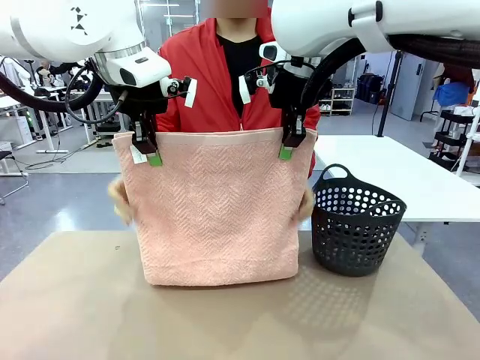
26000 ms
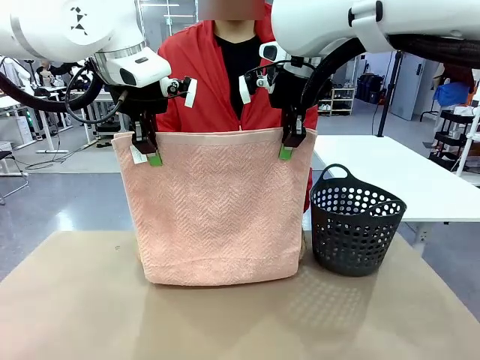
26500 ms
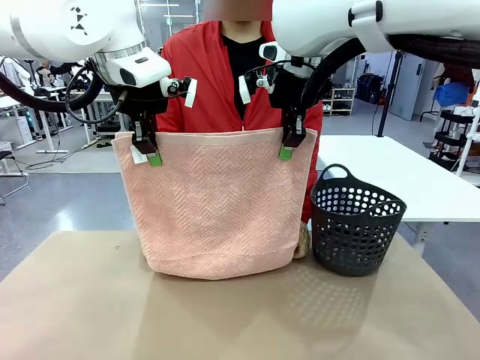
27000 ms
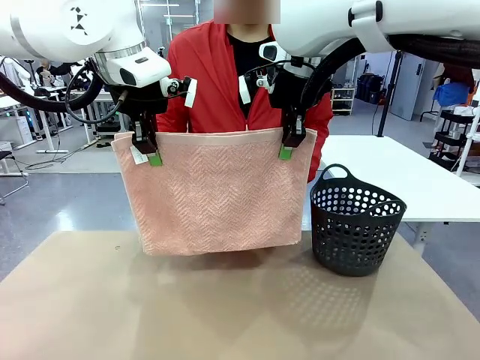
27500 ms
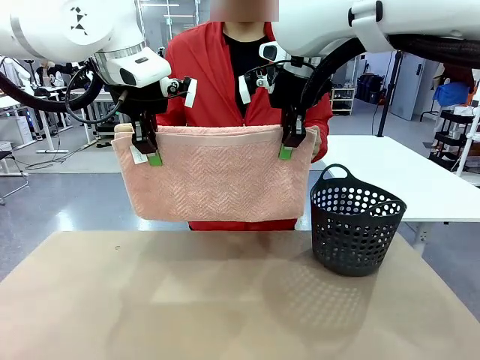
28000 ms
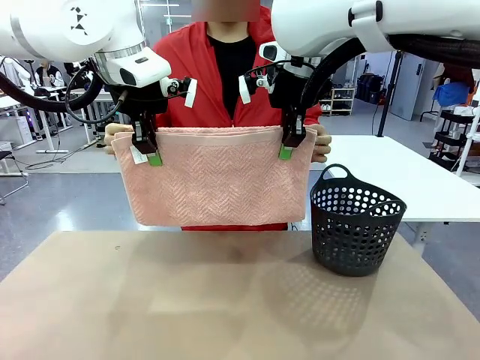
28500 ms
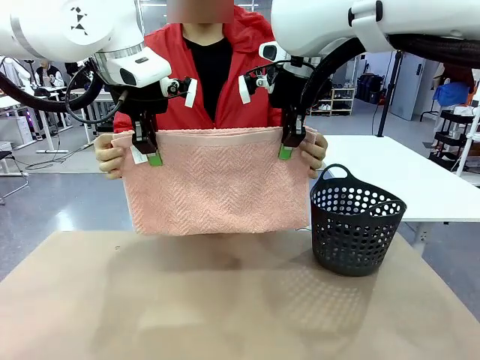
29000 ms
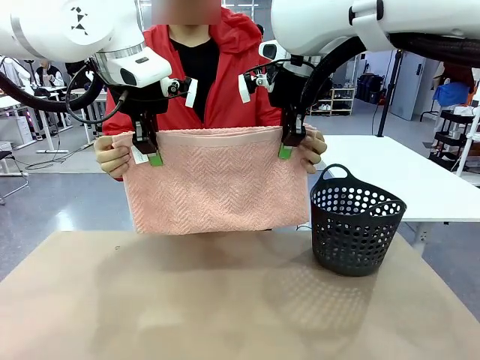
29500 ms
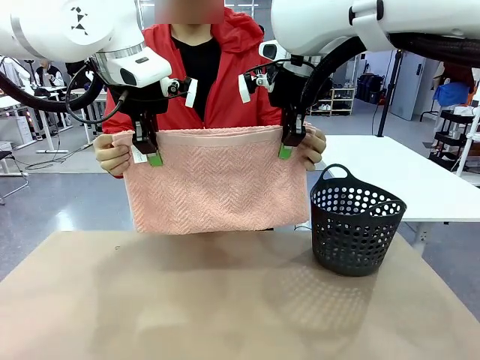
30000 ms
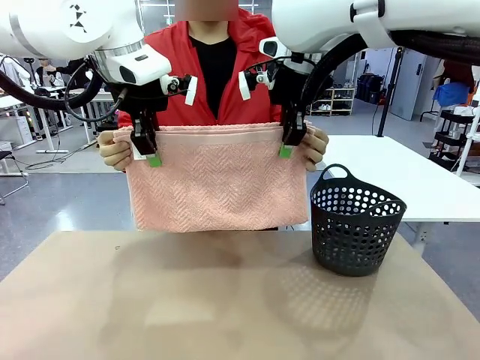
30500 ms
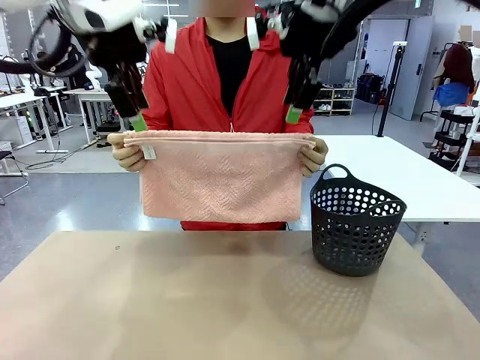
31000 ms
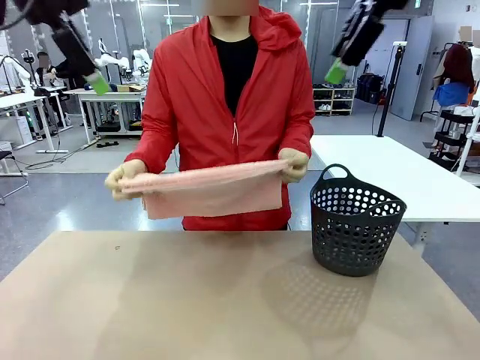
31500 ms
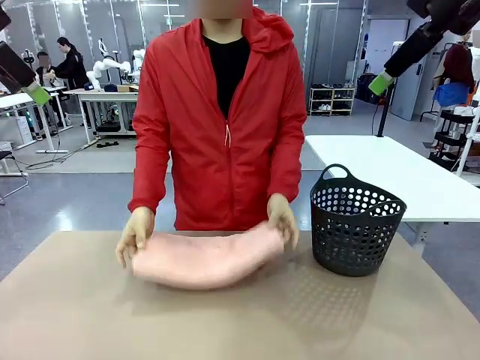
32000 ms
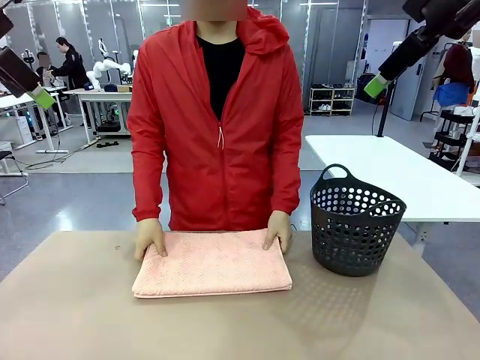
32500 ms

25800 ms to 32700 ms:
Task: Fold the towel.
Robot: Release the end of the 100 cm Hotel Towel you were holding.
Person: Place the towel at the center of the robot table and fold it in half.

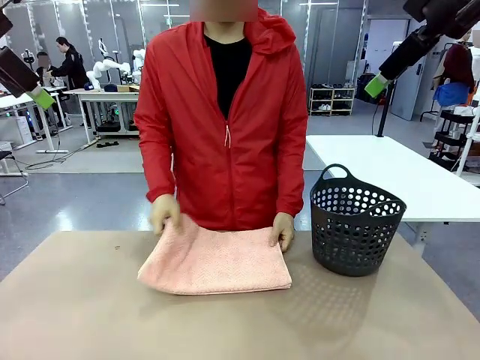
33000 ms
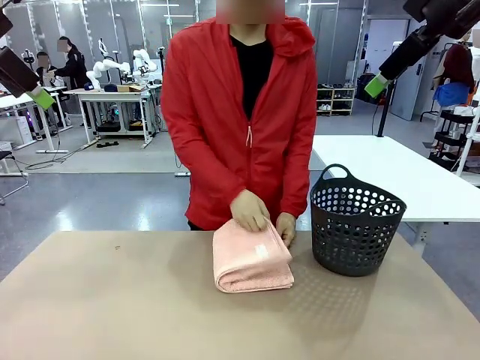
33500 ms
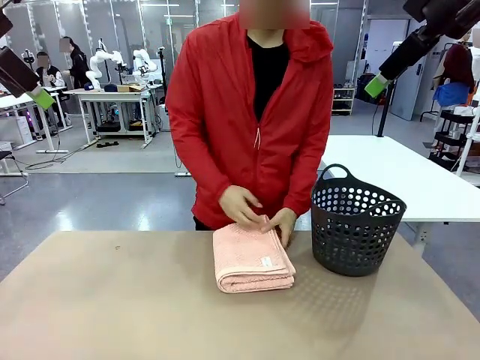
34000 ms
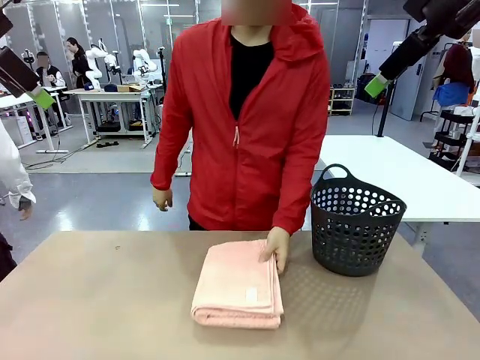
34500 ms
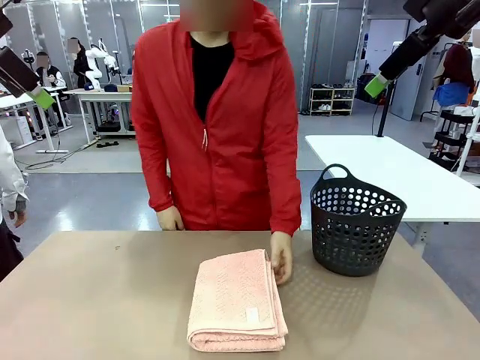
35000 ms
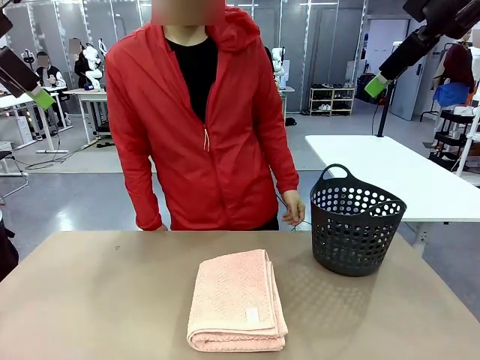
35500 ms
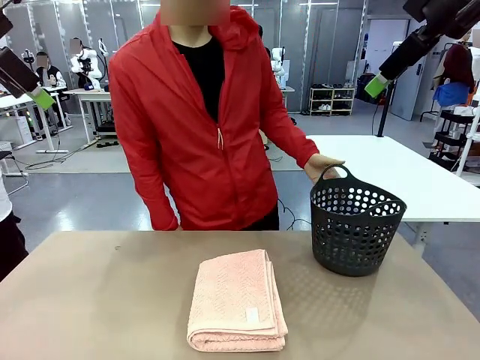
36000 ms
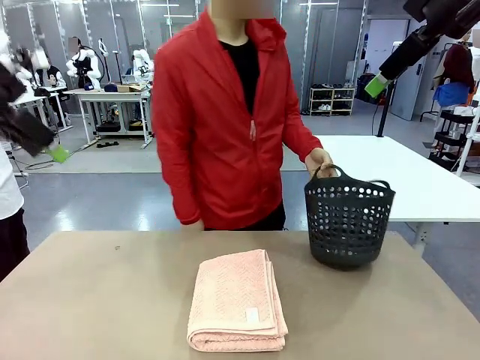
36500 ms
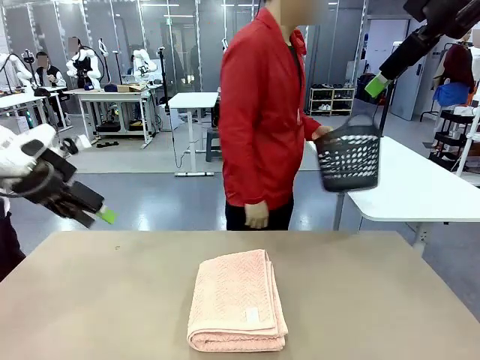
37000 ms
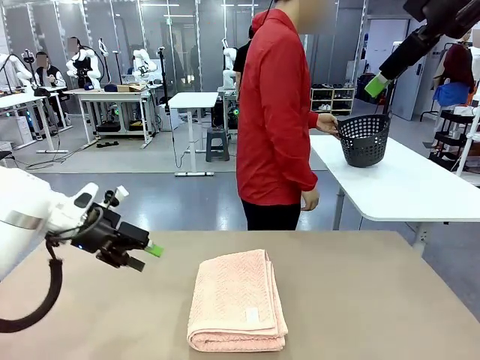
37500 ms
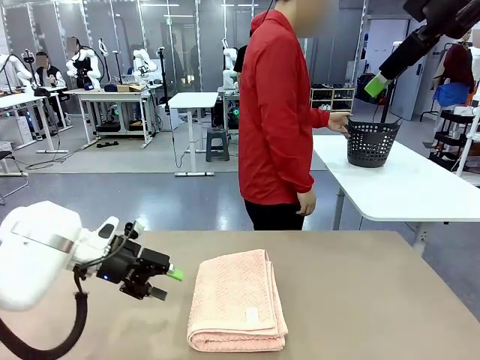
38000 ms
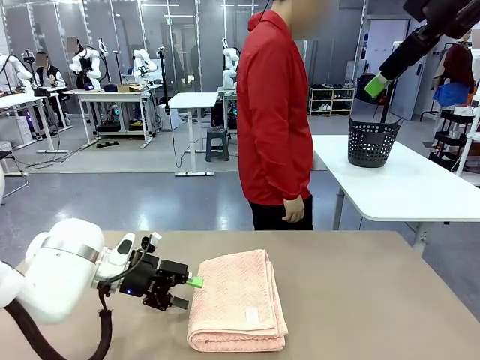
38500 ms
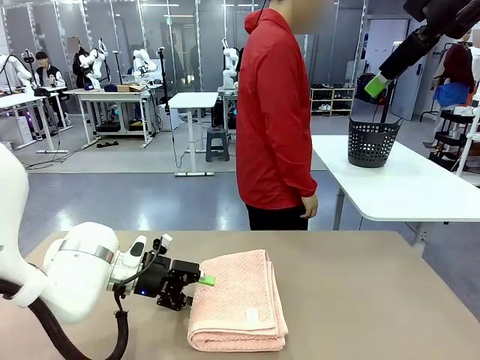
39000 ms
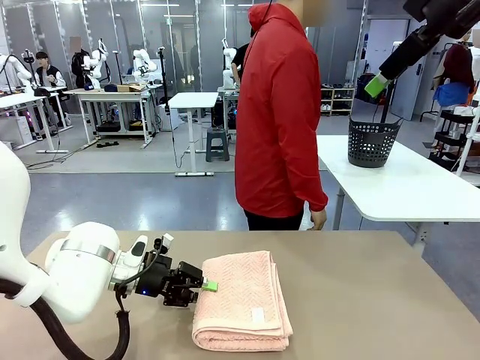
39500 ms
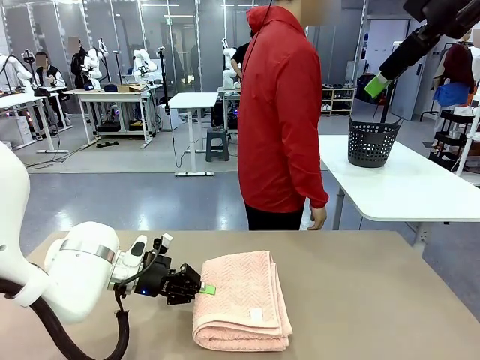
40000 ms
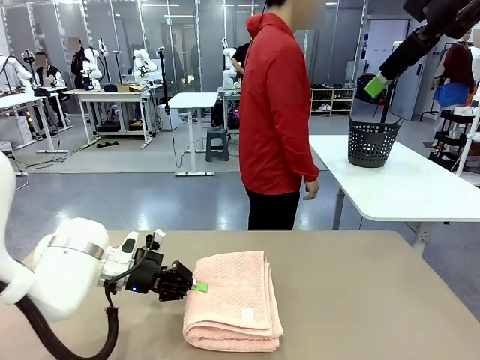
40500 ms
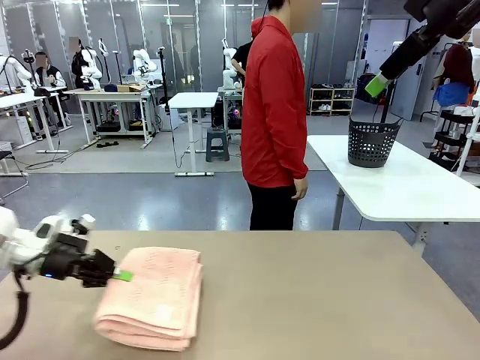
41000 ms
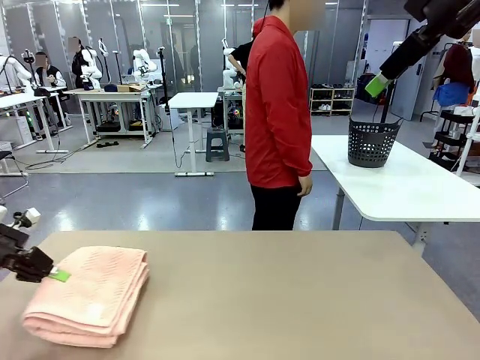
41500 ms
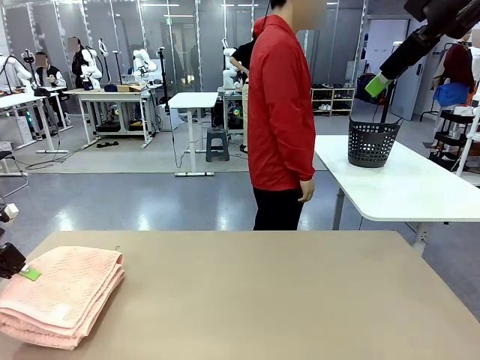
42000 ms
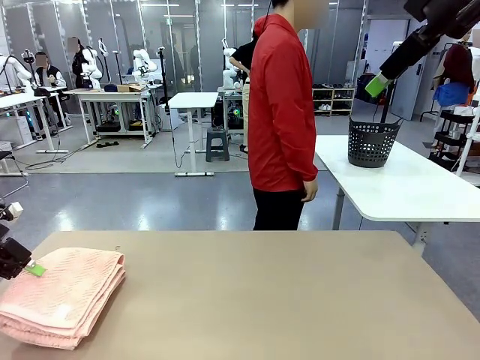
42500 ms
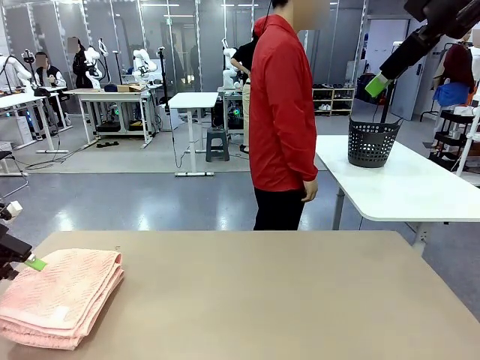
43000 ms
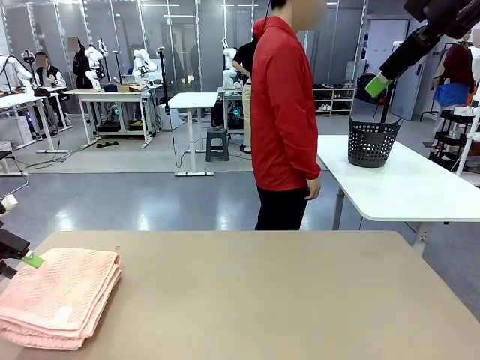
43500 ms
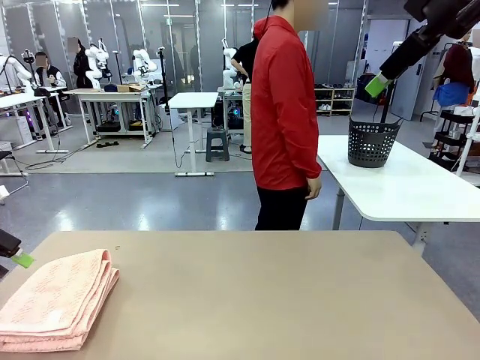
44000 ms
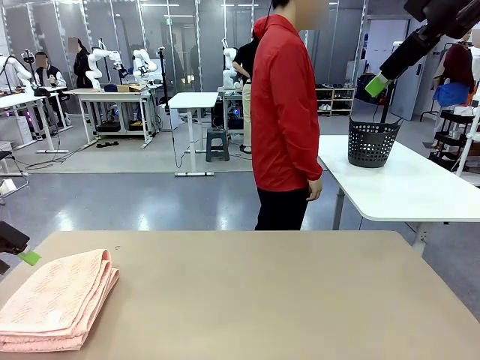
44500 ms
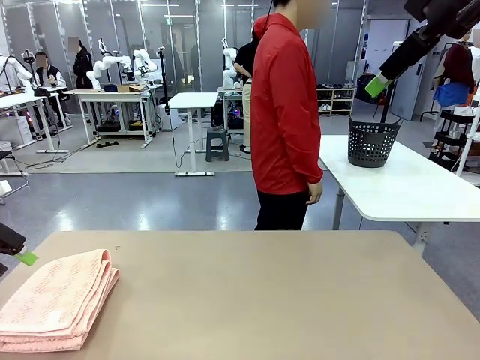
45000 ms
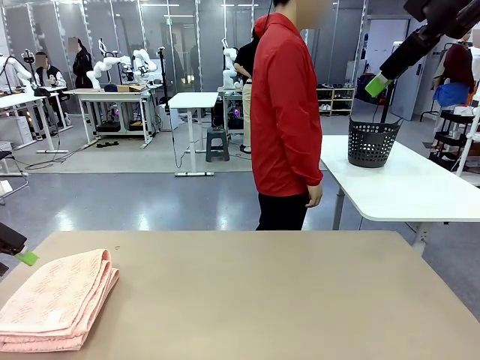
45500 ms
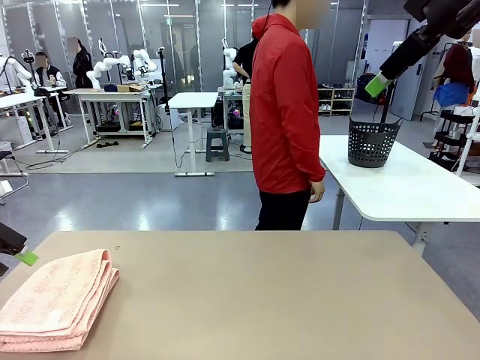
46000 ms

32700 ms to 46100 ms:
Robot: Pick up the 100 cm Hotel Towel and place it on the left side of the table.
Person: Pick up the laundry basket and place it at the center of the human table.

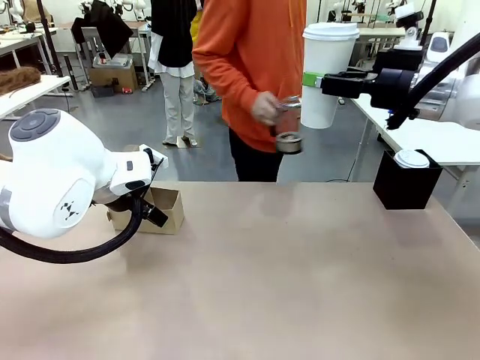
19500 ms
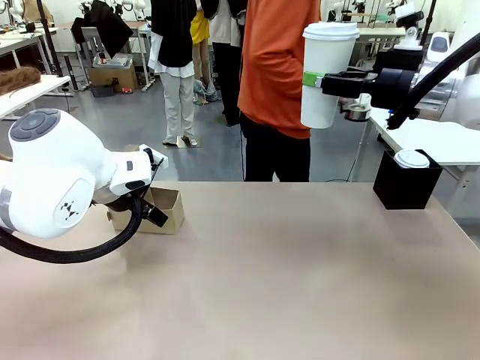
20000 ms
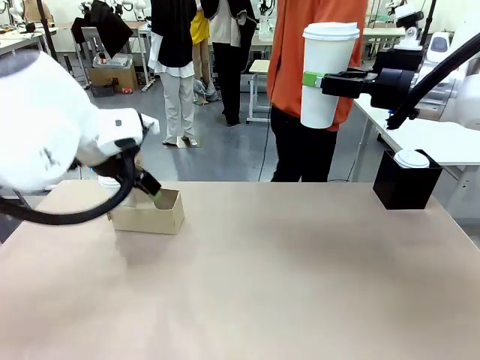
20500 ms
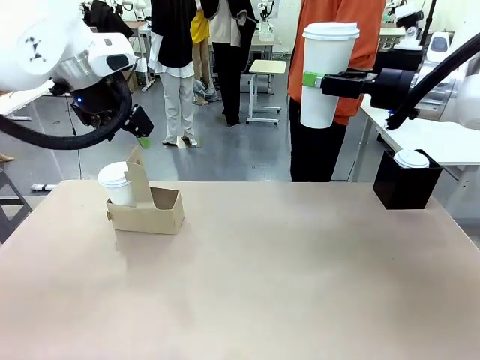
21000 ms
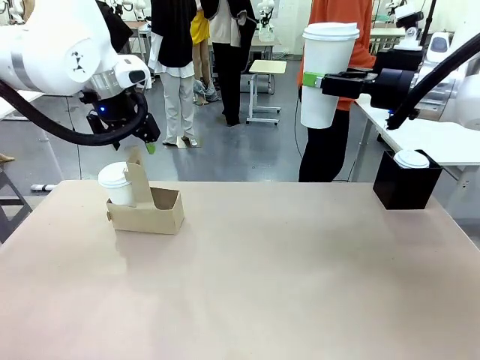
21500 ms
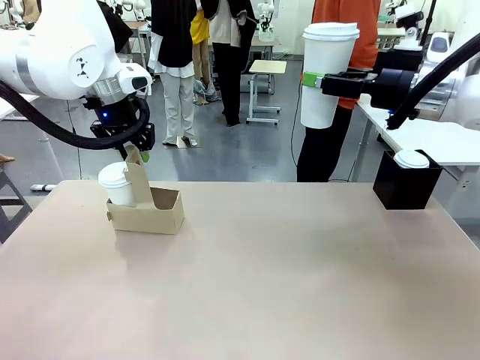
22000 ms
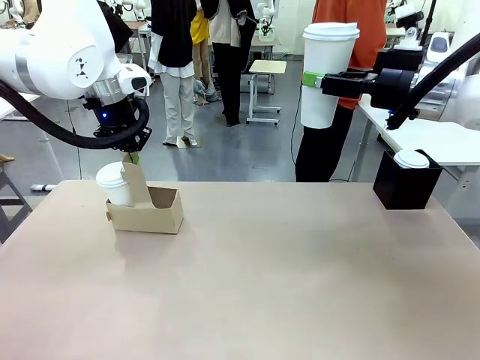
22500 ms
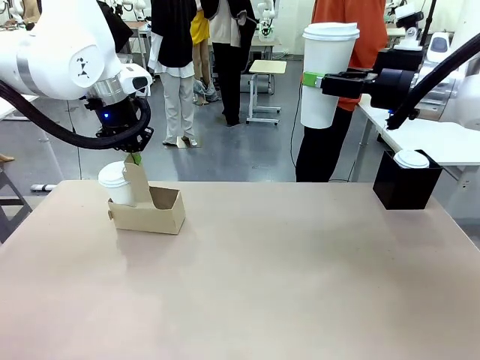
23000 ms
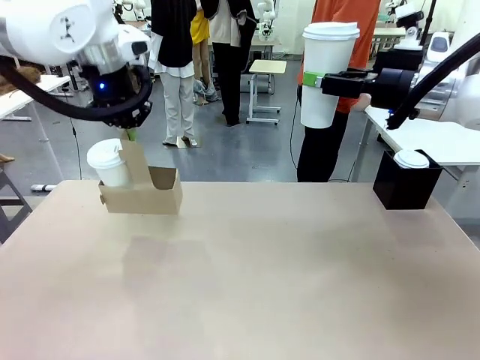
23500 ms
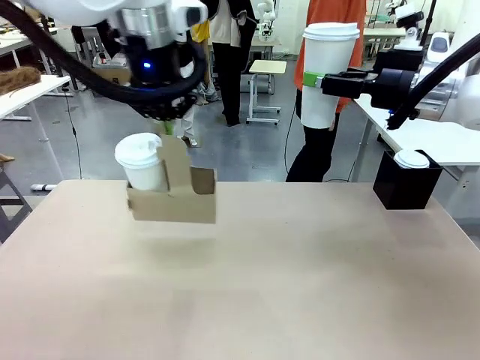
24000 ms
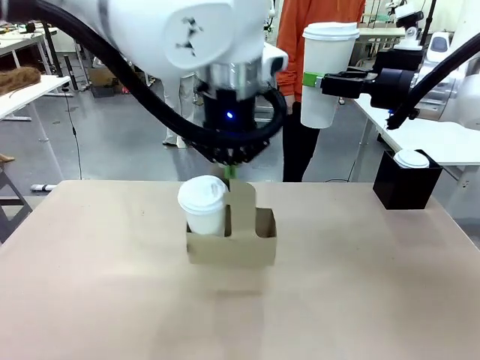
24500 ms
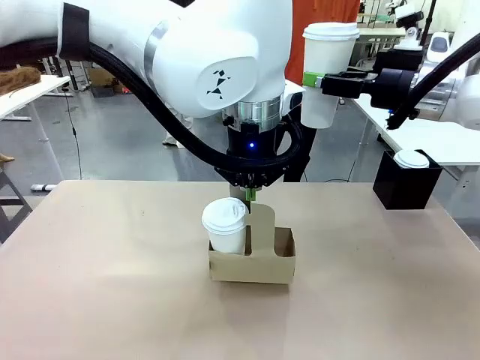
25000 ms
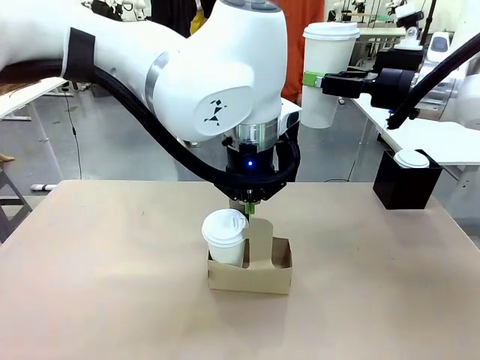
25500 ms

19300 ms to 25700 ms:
Task: Pour a drink into a cup and package it in a carrier.
Robot: Position the Cup Carrier in the center of the table.
Person: Pick up the Filter Brewing and place on the middle of Human table, and return to the Robot table.
